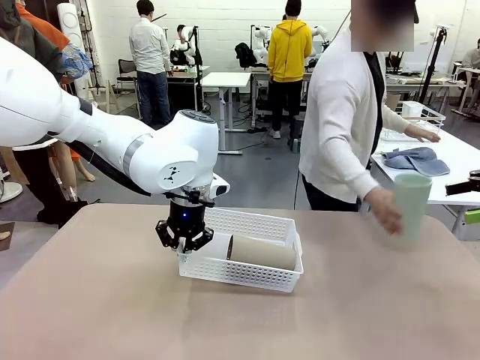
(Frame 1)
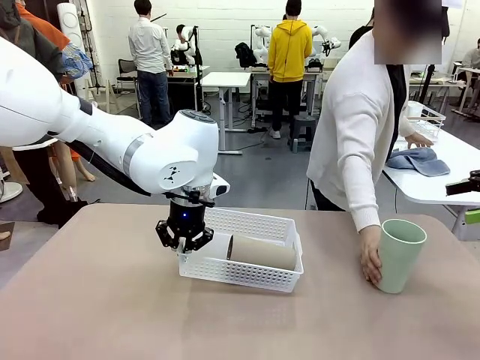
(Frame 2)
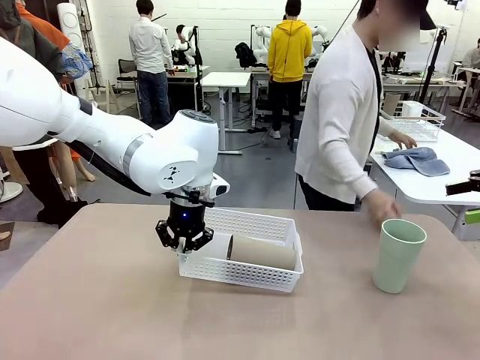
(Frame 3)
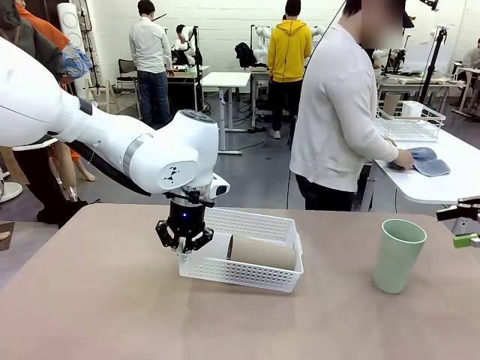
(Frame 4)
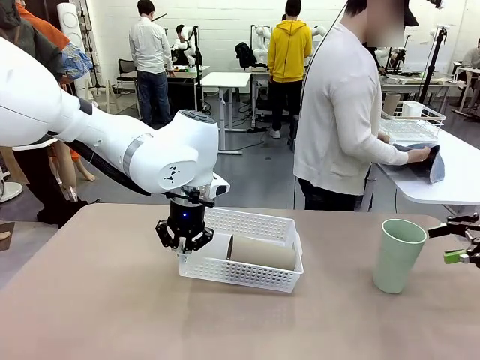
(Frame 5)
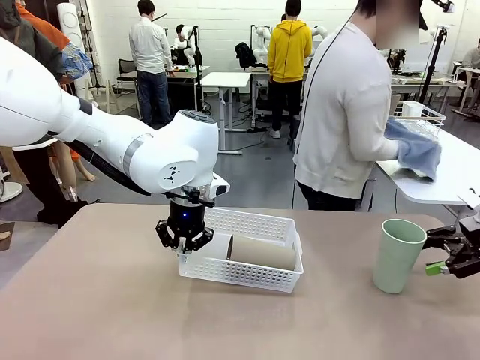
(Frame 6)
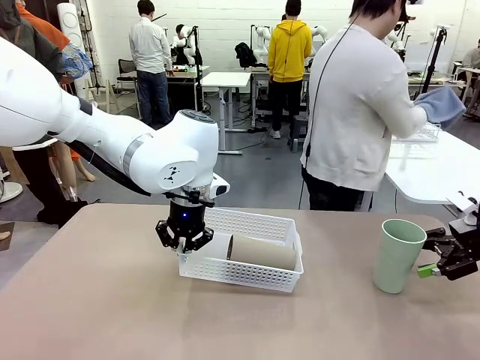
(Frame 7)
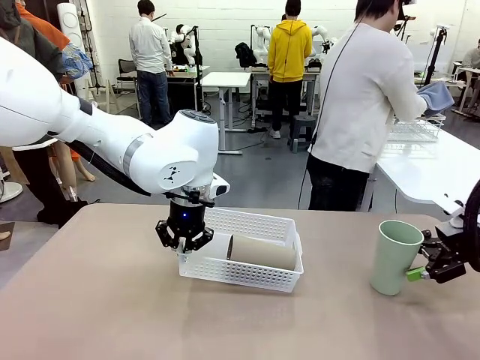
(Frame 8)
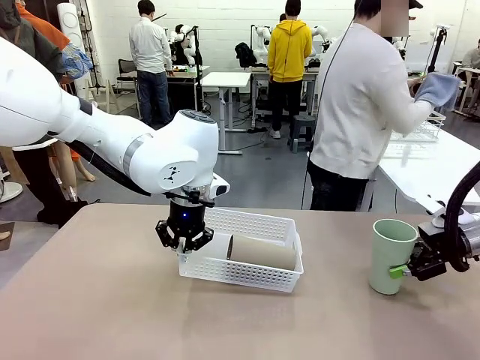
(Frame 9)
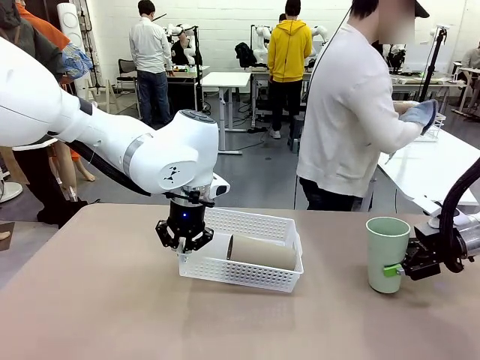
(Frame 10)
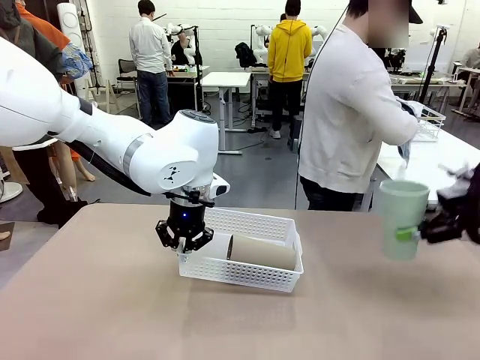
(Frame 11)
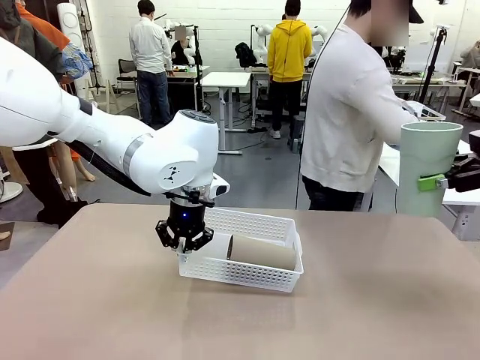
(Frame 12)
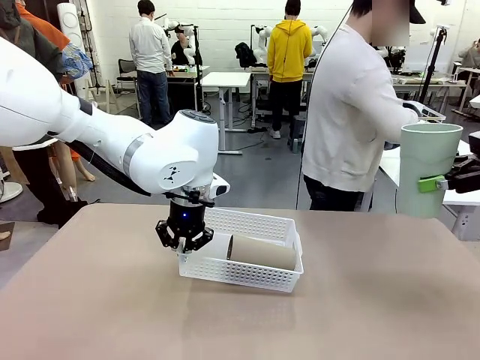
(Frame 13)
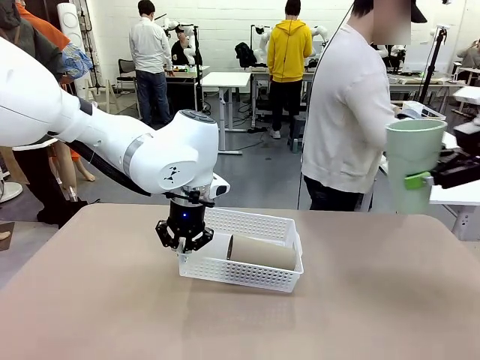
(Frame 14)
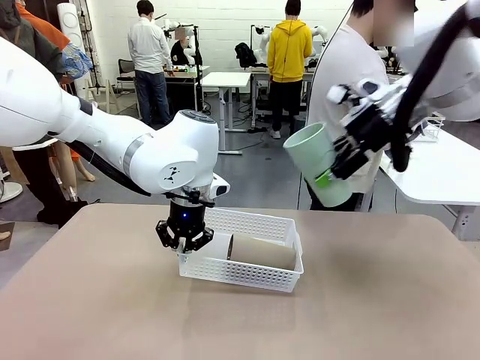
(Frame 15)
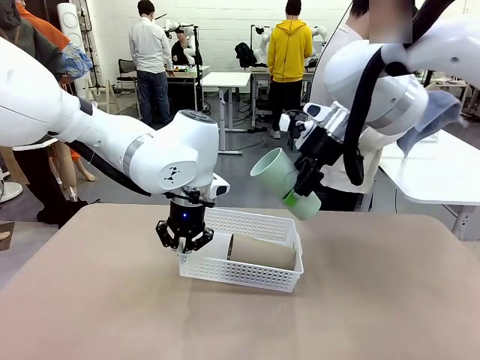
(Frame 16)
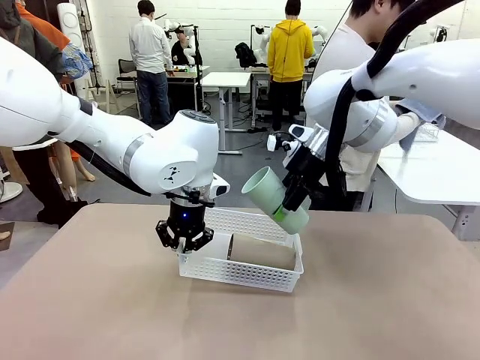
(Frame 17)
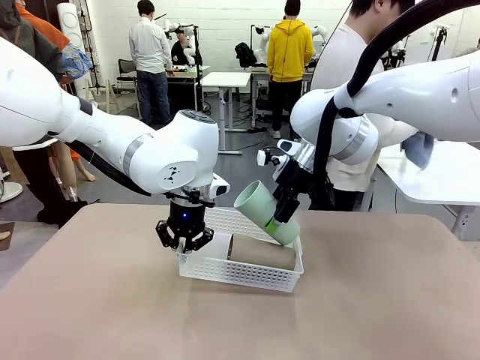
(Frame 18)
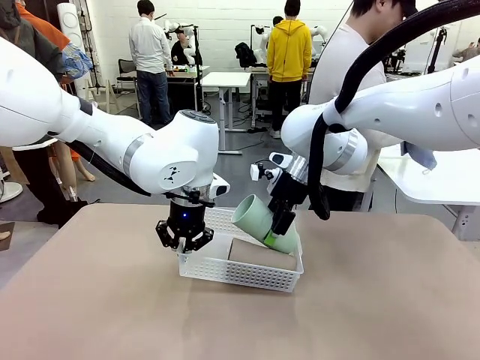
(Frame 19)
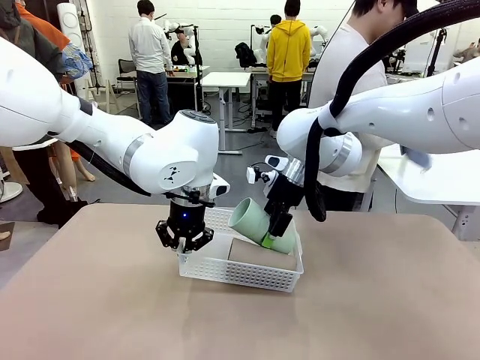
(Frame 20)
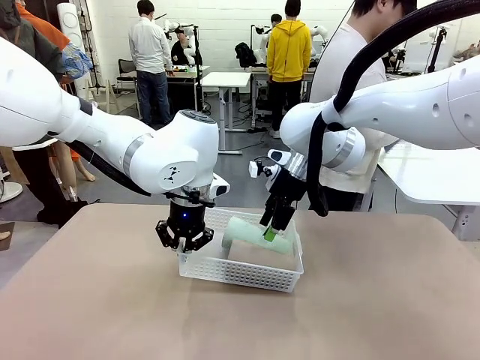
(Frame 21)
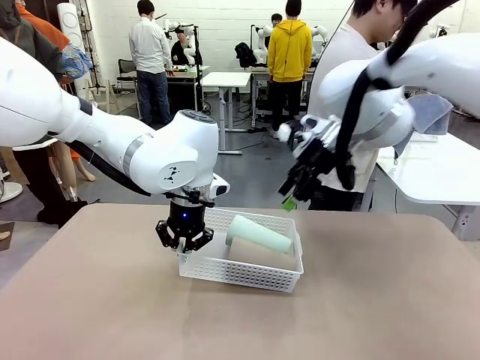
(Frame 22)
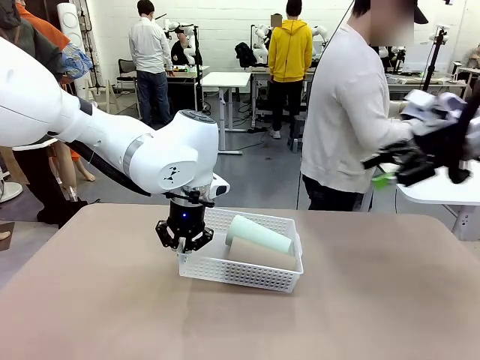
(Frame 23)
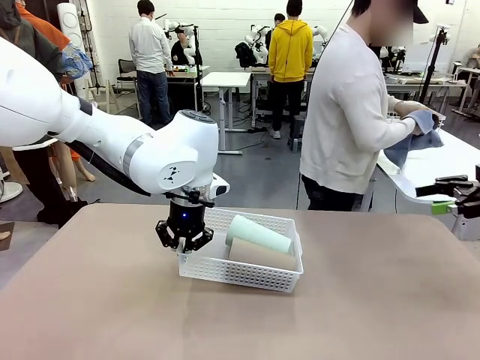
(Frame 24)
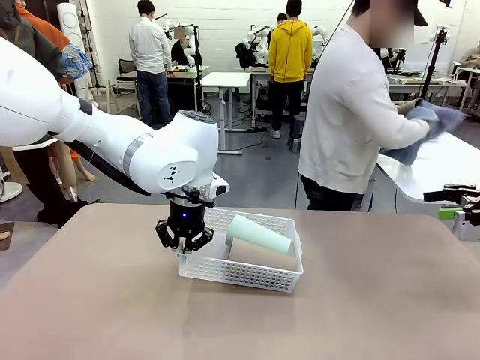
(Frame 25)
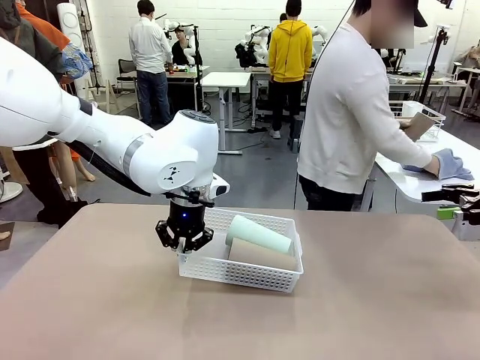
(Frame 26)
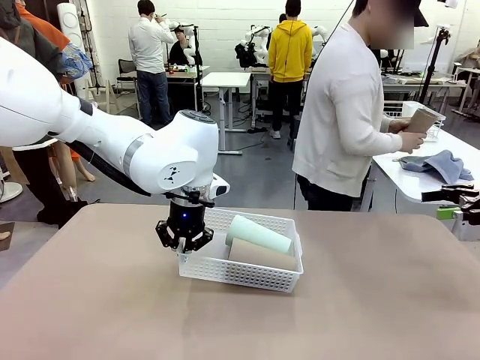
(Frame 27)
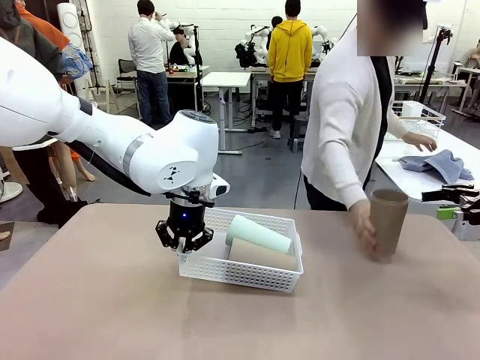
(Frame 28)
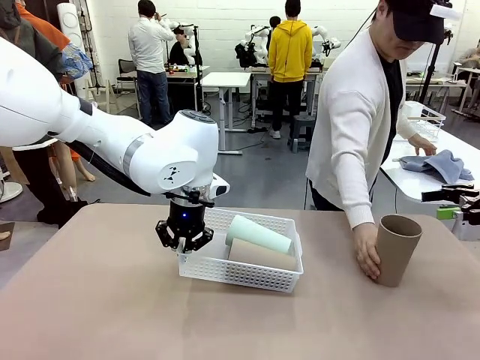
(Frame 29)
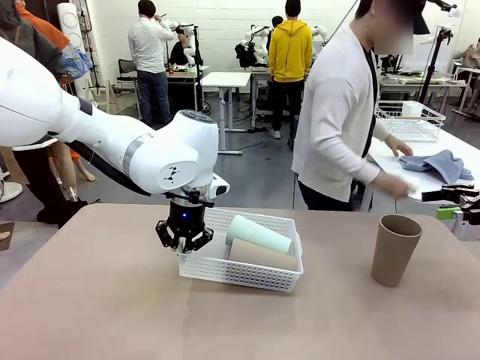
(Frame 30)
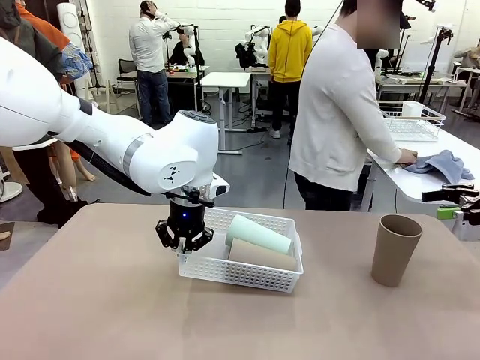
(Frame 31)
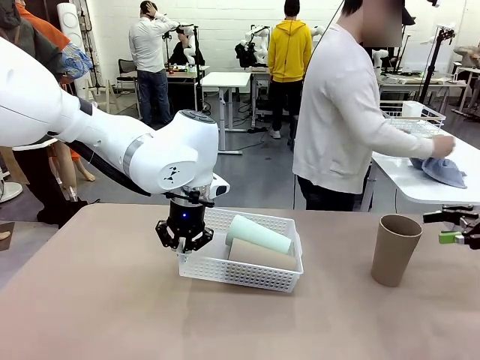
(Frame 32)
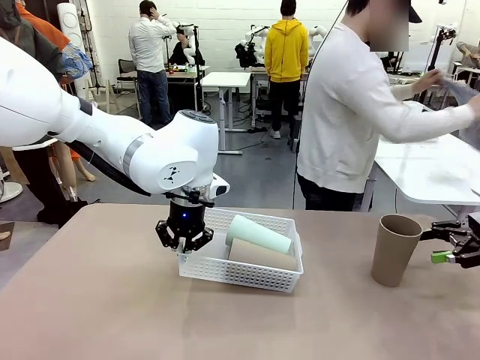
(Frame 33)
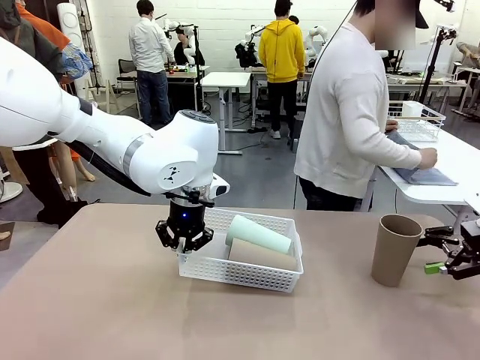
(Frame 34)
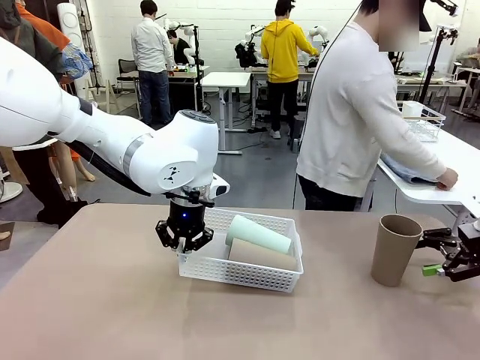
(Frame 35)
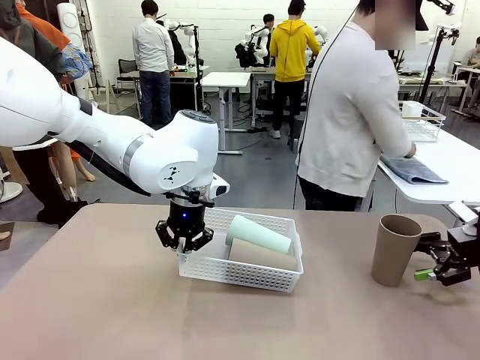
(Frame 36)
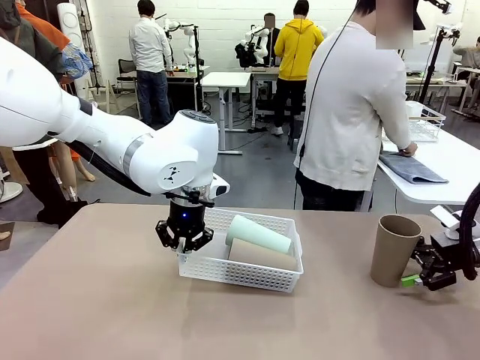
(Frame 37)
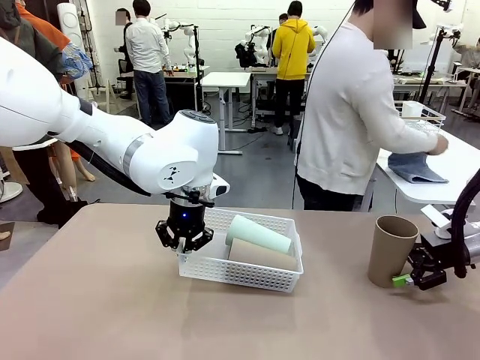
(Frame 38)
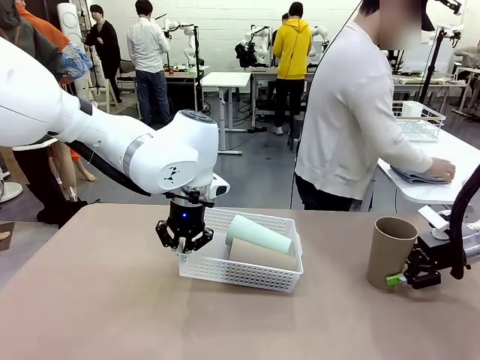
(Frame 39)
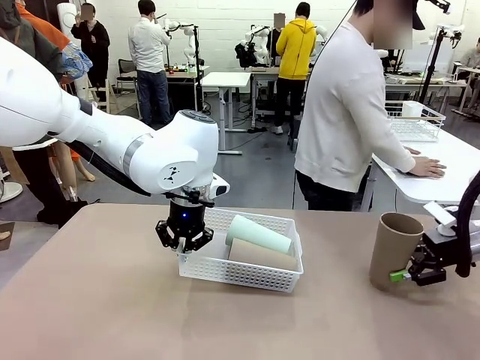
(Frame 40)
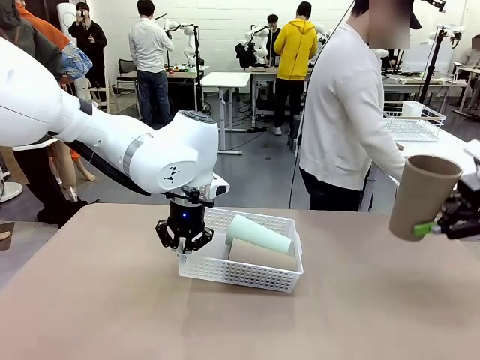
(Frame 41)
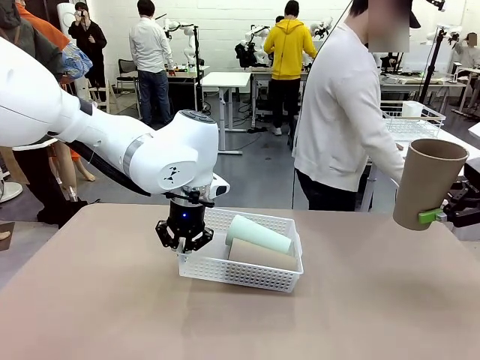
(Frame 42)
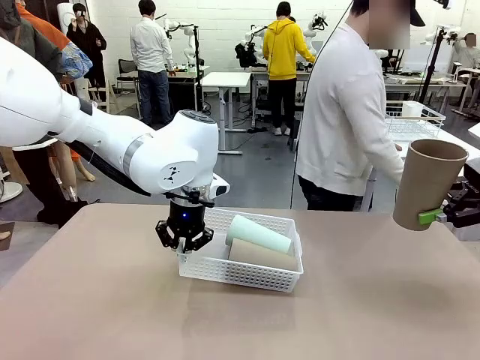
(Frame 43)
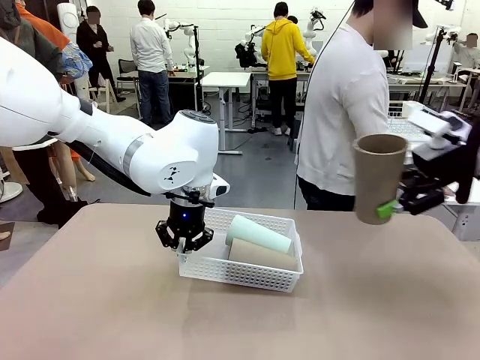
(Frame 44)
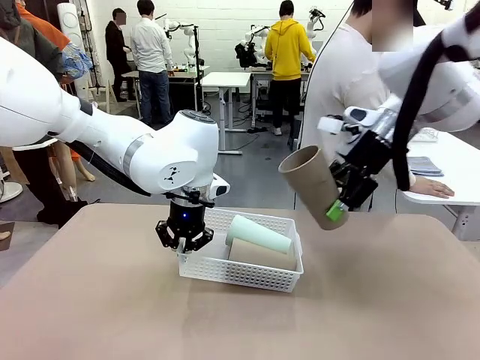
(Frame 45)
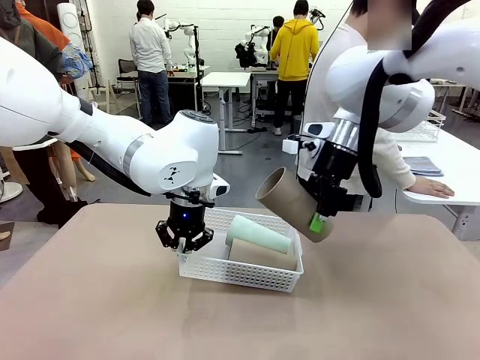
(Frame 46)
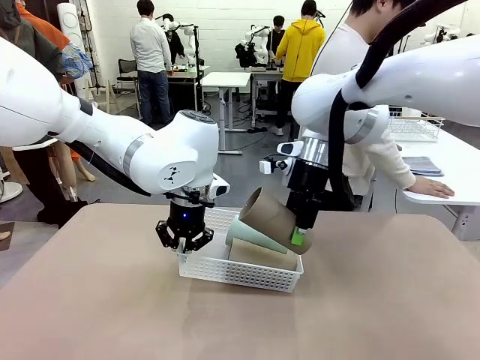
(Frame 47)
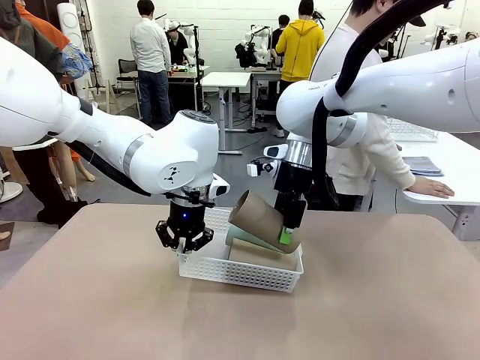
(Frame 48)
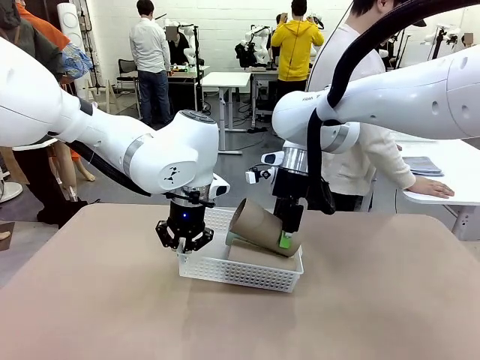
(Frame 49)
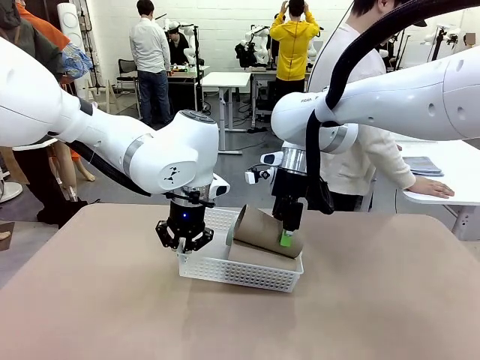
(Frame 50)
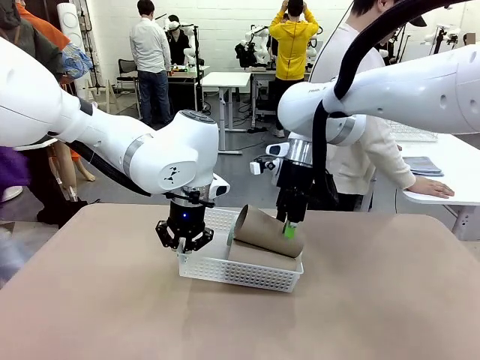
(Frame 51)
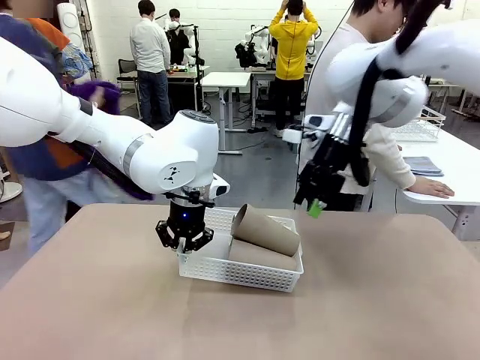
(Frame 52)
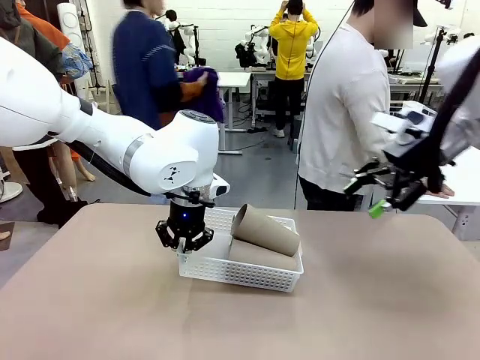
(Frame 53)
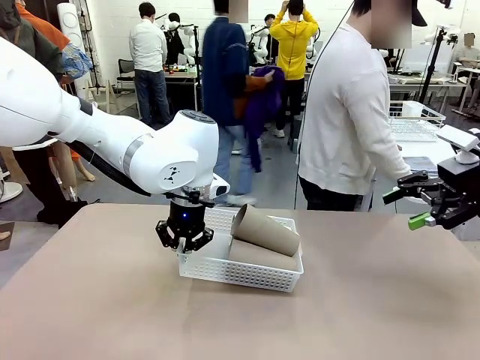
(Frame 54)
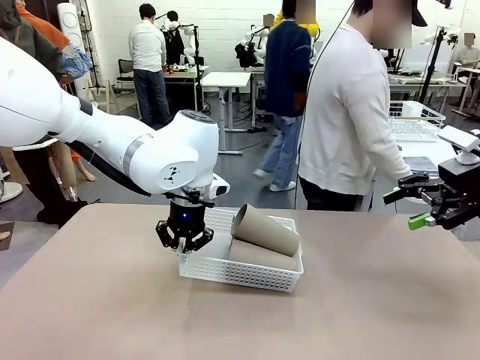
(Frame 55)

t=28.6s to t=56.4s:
Task: Clean and organize the cups into the basket.
Robot: Pick up the Reusable plastic cup from the right side of the table and stack it inside the Organizing basket in the center of the table.
Person: Folds the towel in half twice and places it in the right of the table.
